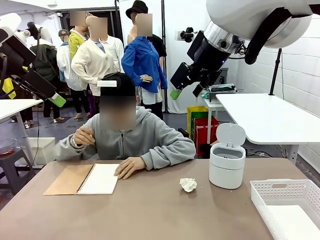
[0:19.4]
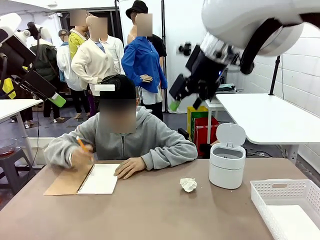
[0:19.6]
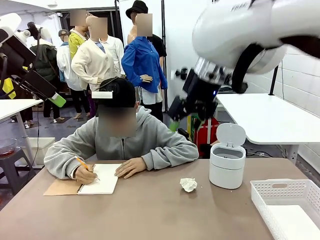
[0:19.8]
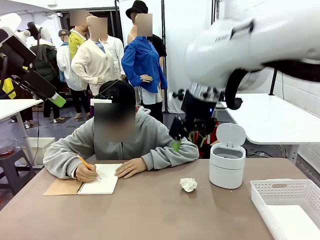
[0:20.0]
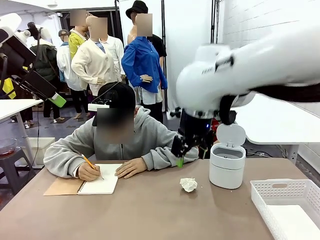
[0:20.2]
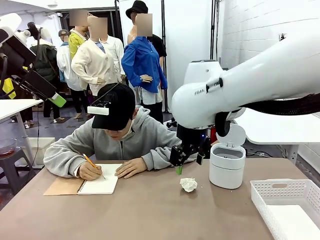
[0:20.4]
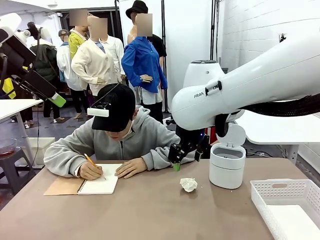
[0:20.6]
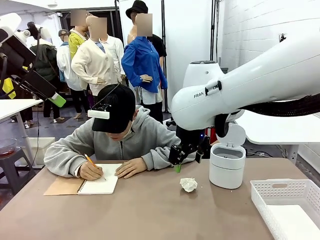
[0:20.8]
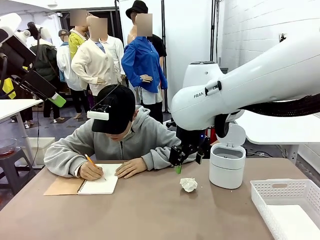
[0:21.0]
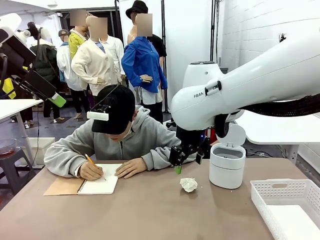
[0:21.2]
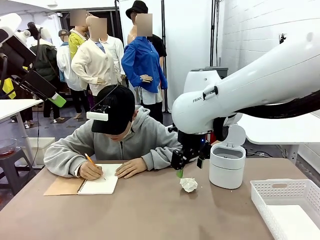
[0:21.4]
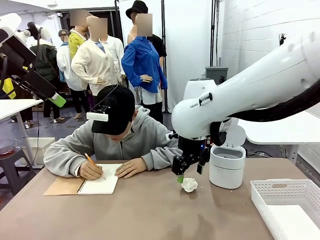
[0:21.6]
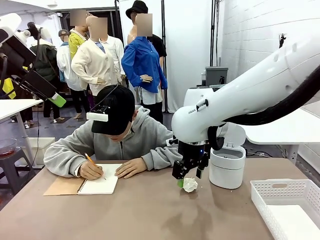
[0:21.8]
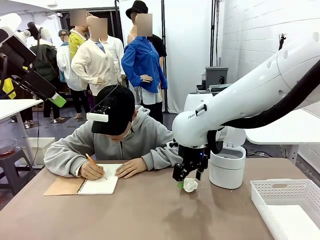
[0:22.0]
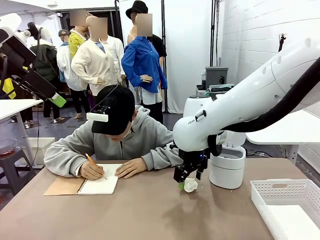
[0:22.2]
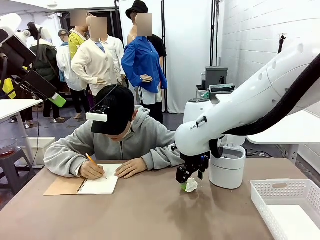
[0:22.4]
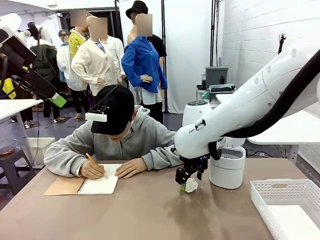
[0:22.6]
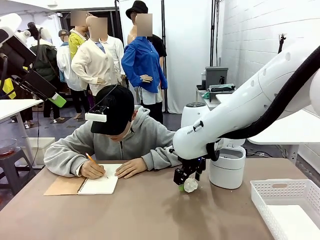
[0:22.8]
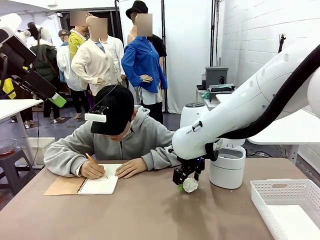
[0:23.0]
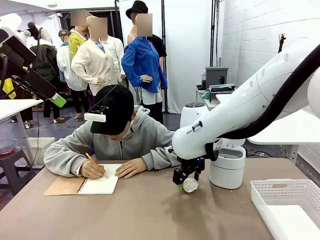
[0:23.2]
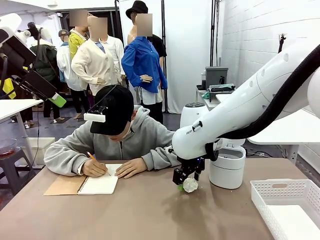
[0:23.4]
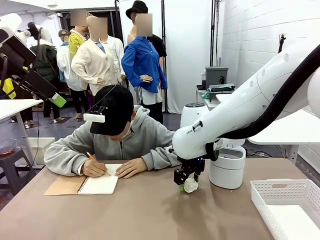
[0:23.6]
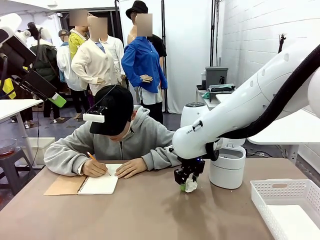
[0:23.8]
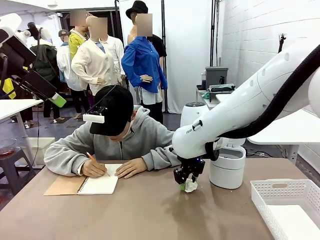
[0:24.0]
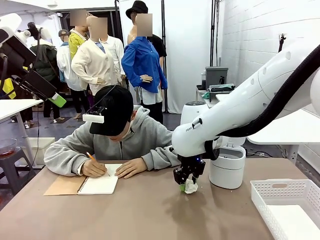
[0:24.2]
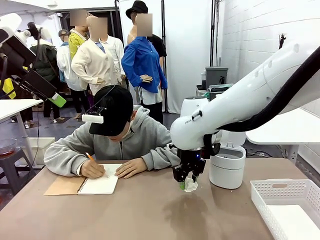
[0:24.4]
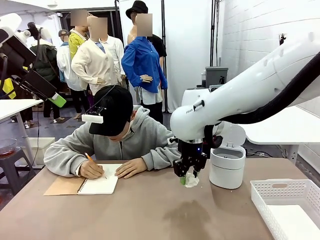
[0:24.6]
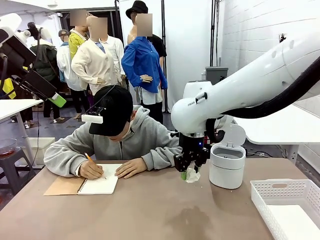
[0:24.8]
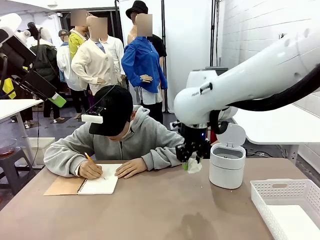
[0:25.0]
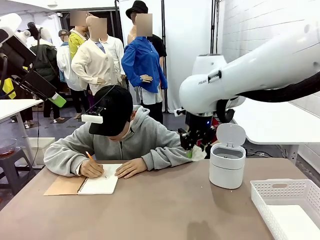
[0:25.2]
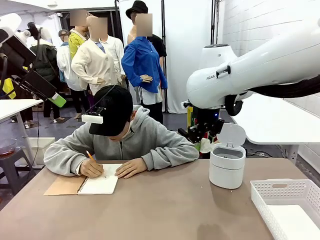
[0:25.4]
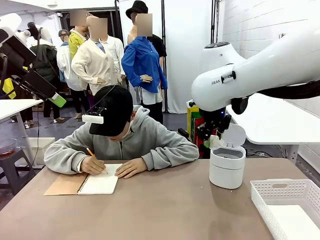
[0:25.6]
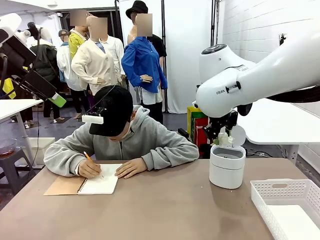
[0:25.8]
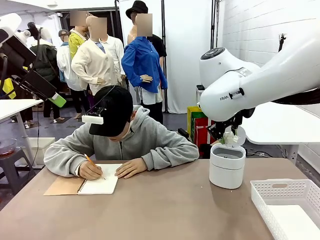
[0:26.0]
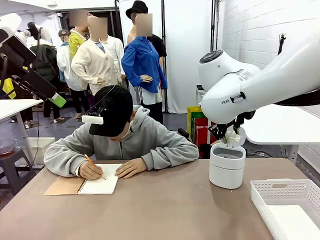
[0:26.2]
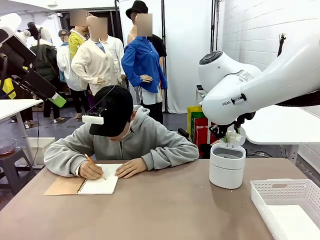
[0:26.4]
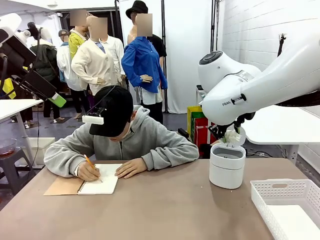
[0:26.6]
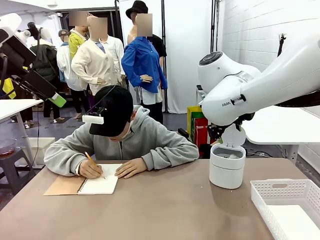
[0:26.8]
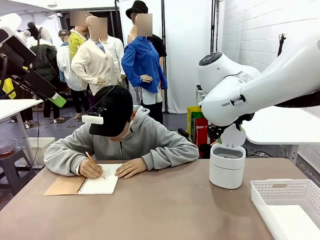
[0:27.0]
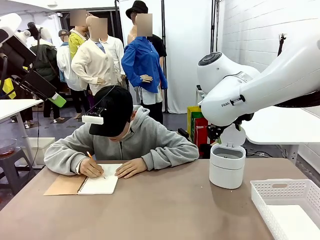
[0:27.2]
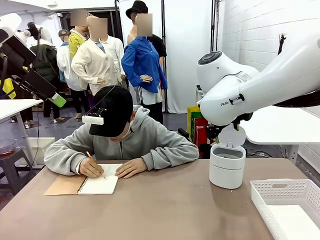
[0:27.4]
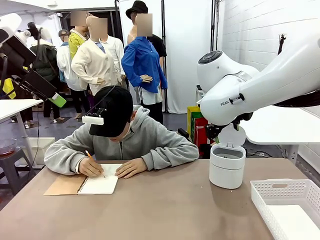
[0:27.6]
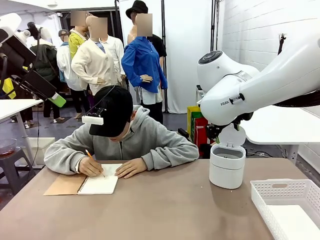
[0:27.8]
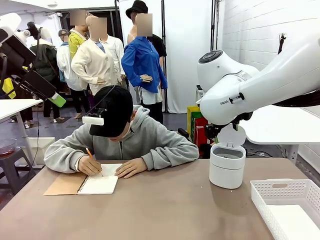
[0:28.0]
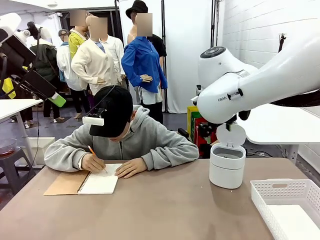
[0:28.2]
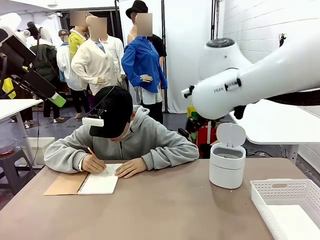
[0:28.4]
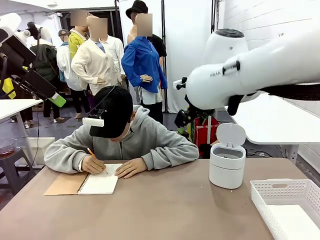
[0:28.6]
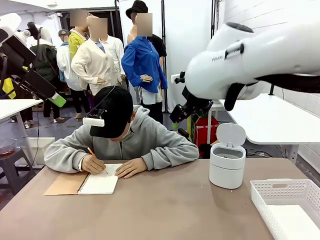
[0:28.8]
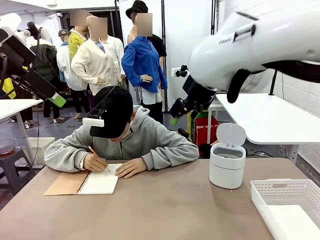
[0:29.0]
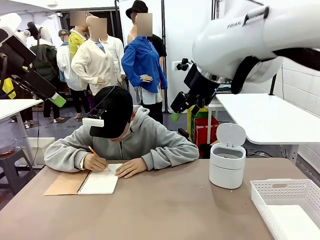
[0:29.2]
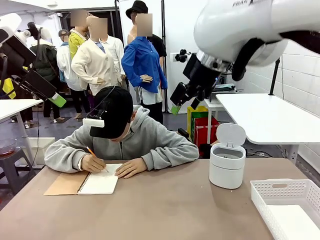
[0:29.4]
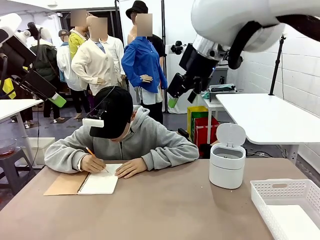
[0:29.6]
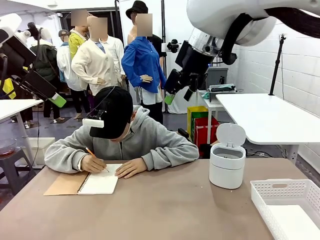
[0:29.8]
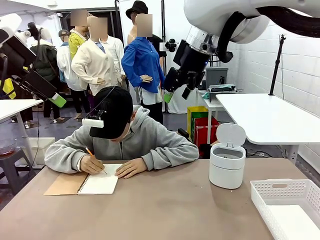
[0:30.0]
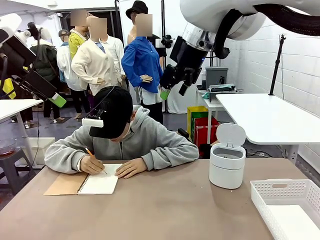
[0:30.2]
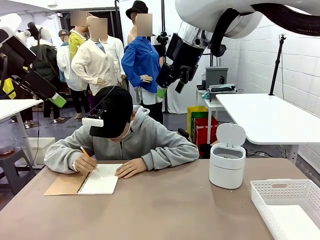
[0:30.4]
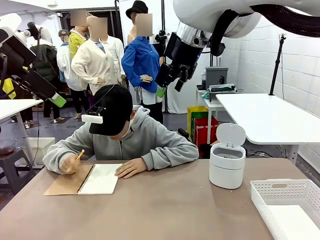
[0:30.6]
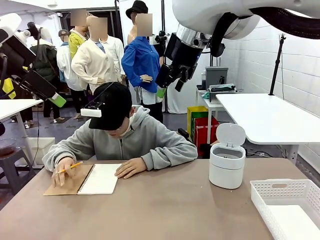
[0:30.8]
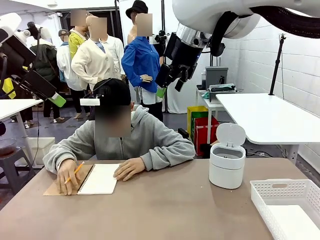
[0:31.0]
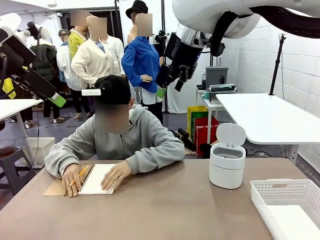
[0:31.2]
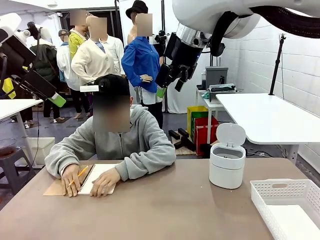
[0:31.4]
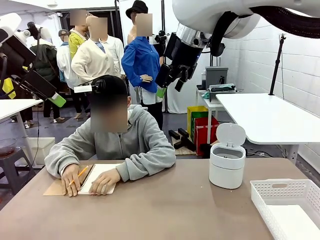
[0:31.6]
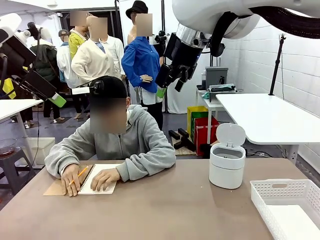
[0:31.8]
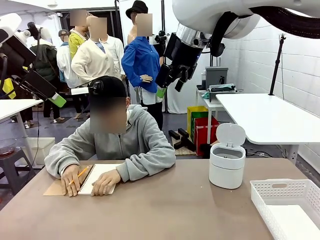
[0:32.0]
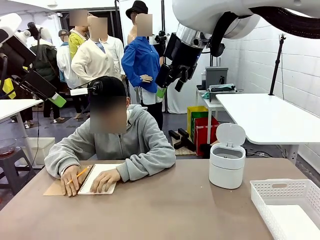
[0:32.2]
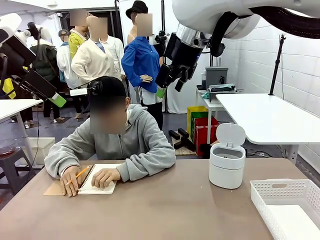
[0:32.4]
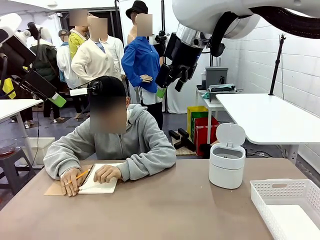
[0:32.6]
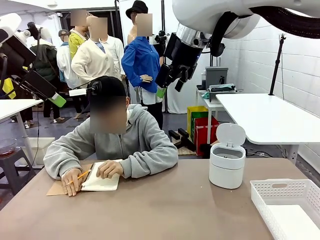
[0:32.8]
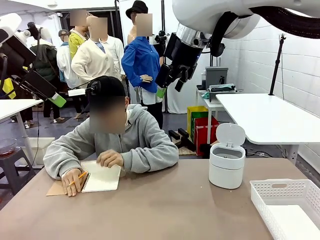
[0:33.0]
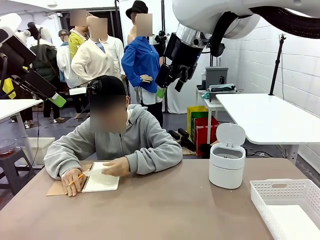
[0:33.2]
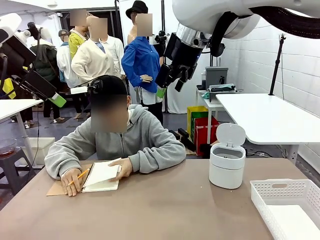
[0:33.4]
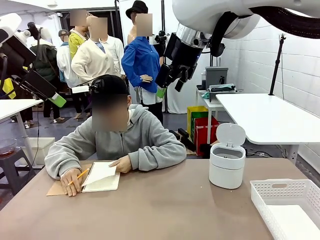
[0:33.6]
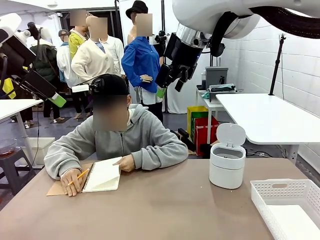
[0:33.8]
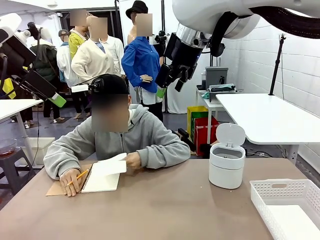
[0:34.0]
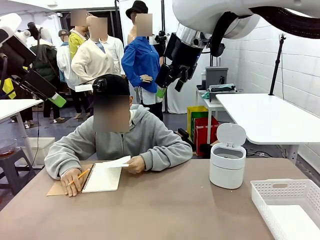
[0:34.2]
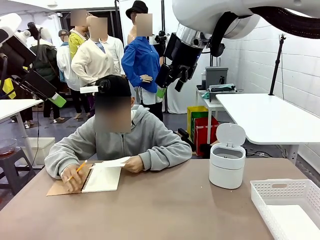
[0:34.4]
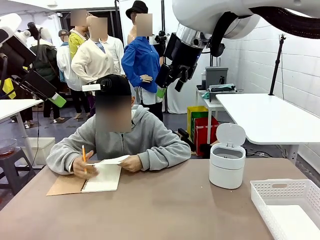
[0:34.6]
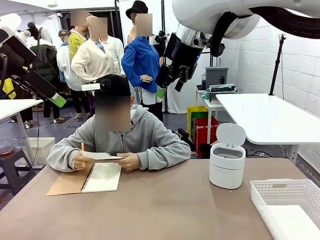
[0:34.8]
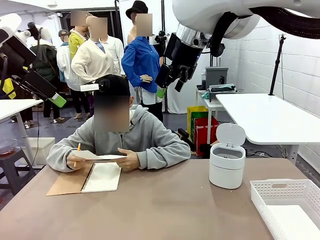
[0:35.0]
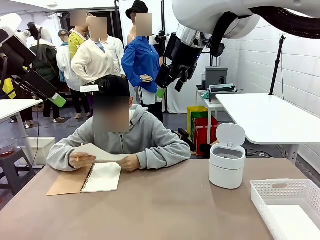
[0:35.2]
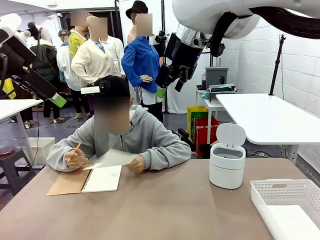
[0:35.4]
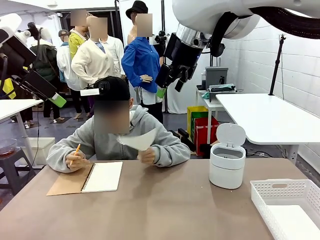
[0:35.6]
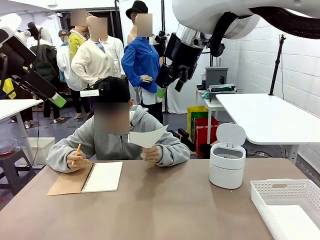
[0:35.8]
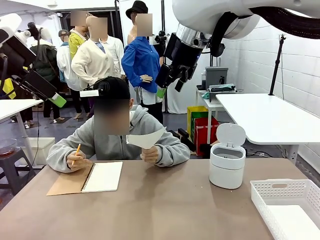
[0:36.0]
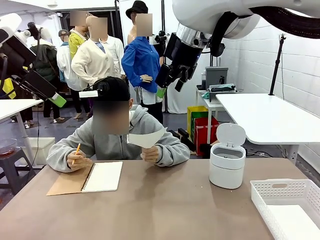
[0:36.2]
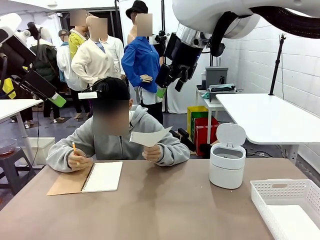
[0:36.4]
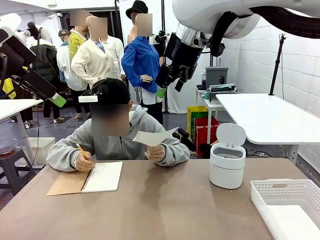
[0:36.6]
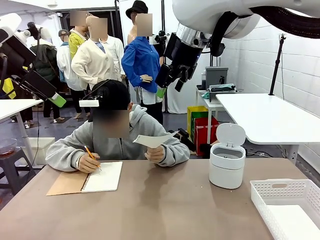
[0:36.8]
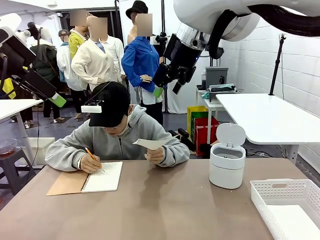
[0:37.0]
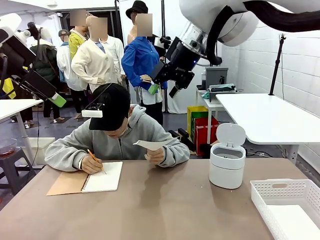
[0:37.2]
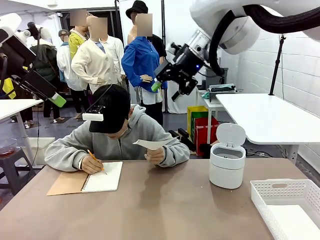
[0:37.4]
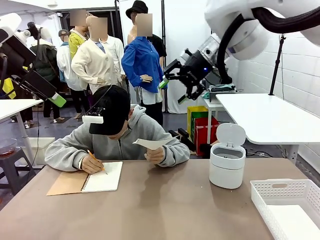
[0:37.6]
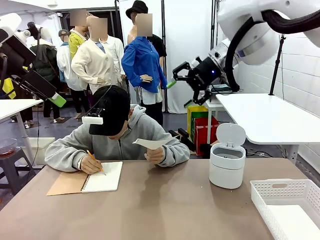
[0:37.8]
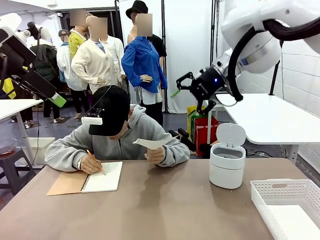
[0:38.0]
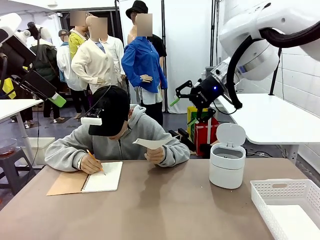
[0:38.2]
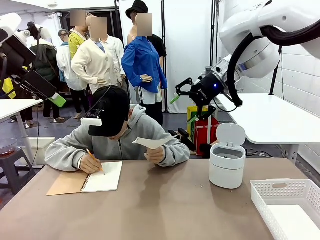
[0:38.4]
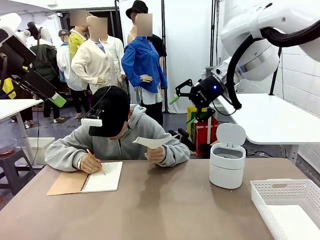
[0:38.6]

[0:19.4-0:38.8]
Task: Sort the paper based on its condition.
Robot: If a person hands you a paper, place it in the Organizing basket , and if it's crumpled, put it in the Trash can.
Person: Tear out a page from the spiral notebook. Hand the torn page to the robot or crumple it and throw it to the center of the table.
